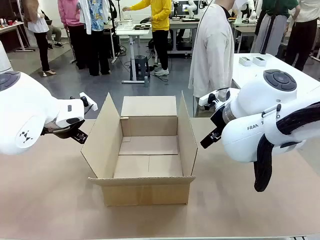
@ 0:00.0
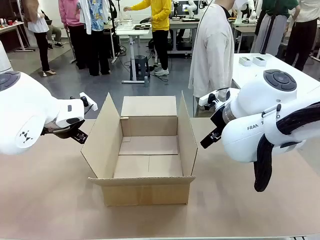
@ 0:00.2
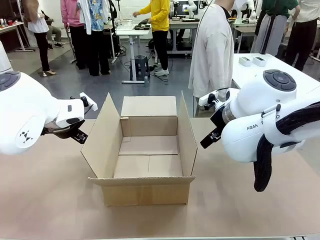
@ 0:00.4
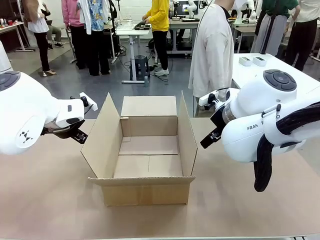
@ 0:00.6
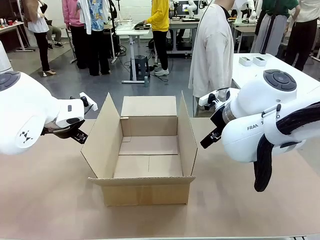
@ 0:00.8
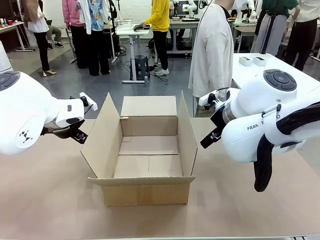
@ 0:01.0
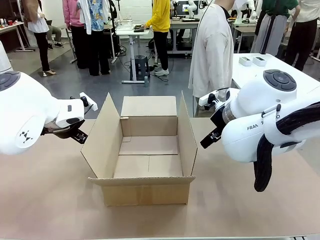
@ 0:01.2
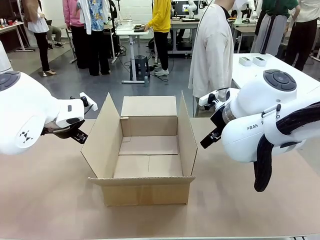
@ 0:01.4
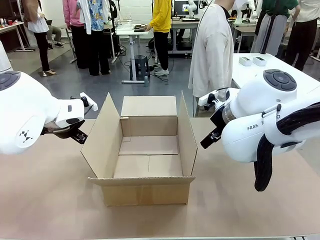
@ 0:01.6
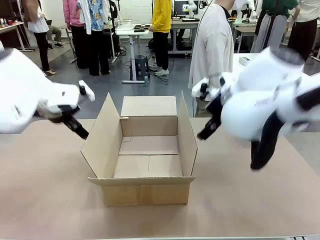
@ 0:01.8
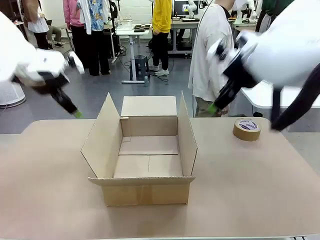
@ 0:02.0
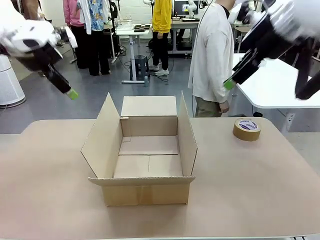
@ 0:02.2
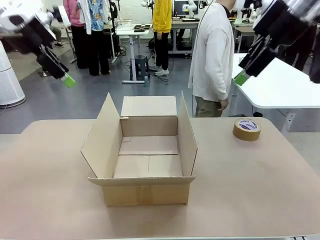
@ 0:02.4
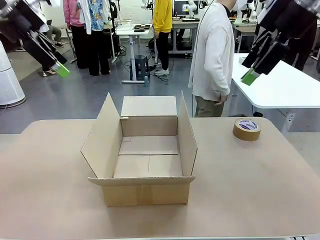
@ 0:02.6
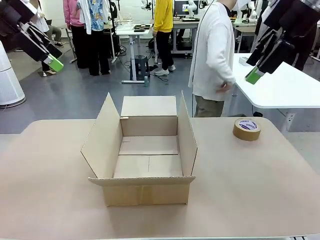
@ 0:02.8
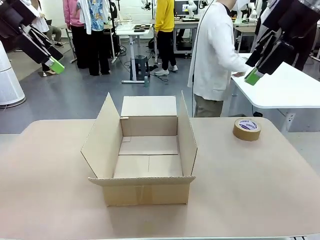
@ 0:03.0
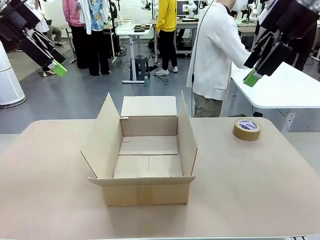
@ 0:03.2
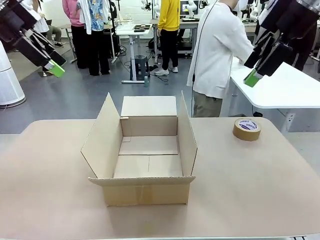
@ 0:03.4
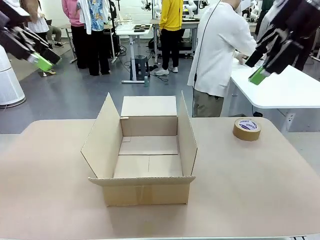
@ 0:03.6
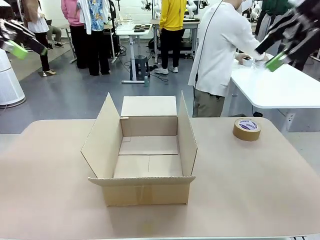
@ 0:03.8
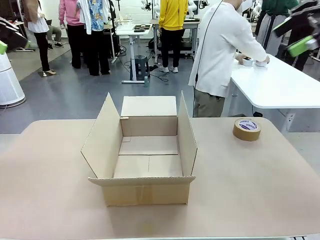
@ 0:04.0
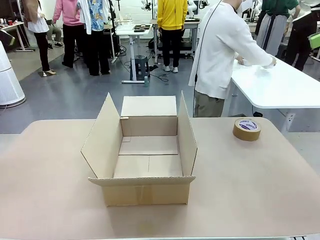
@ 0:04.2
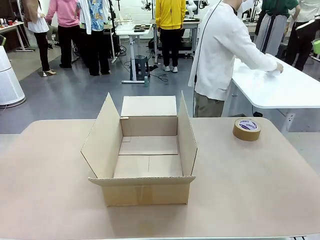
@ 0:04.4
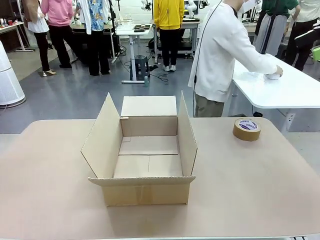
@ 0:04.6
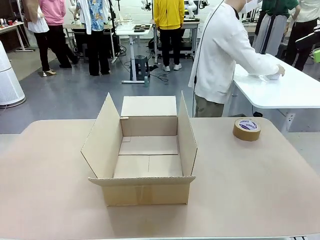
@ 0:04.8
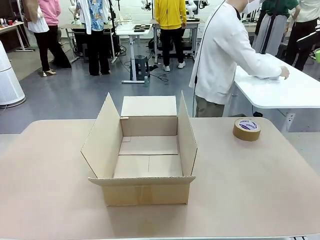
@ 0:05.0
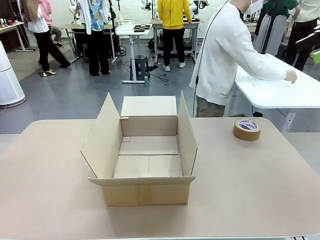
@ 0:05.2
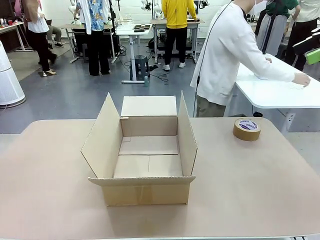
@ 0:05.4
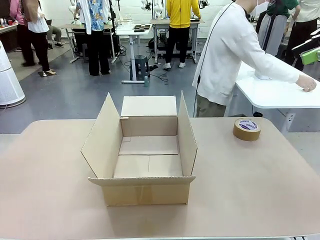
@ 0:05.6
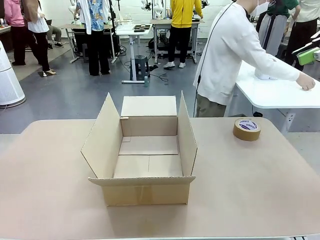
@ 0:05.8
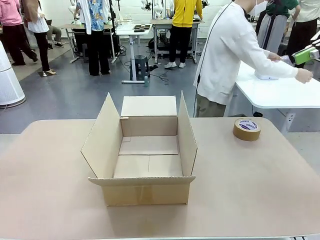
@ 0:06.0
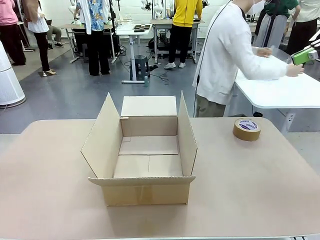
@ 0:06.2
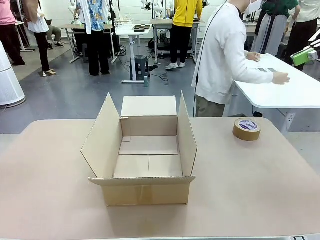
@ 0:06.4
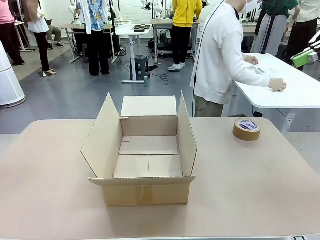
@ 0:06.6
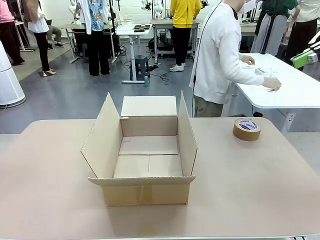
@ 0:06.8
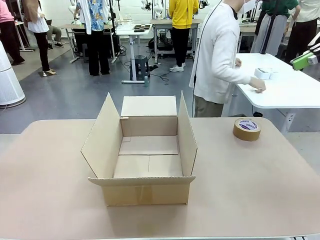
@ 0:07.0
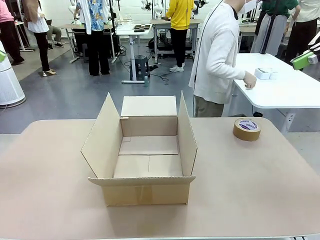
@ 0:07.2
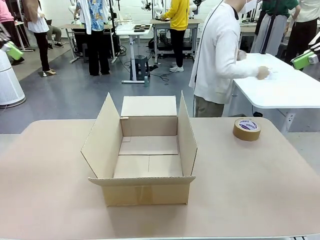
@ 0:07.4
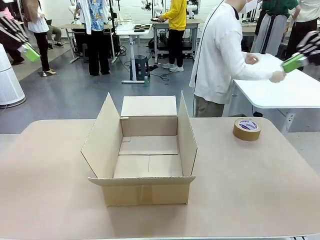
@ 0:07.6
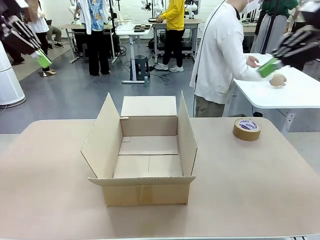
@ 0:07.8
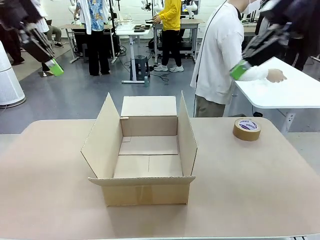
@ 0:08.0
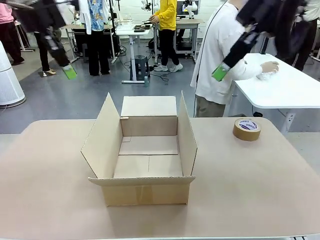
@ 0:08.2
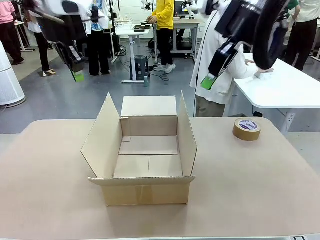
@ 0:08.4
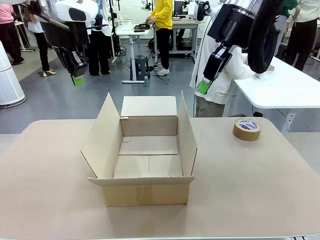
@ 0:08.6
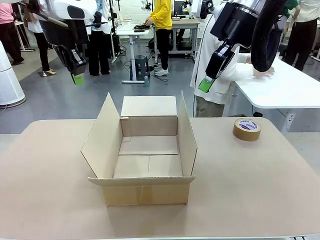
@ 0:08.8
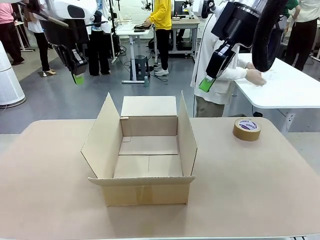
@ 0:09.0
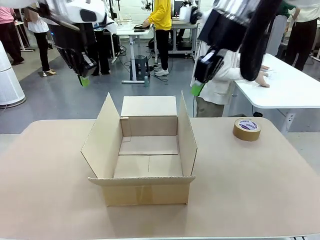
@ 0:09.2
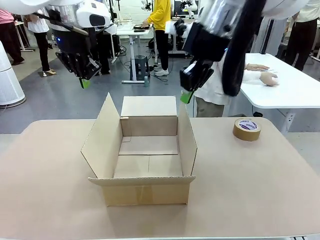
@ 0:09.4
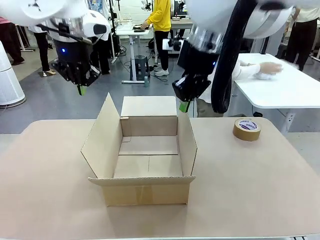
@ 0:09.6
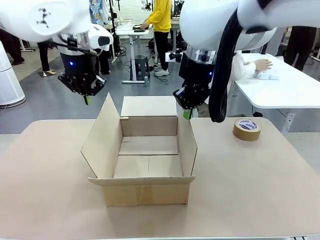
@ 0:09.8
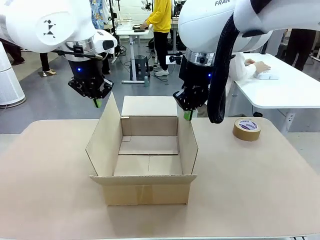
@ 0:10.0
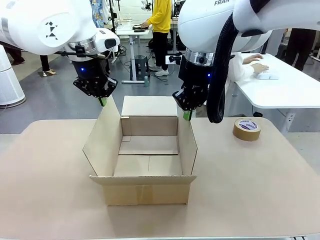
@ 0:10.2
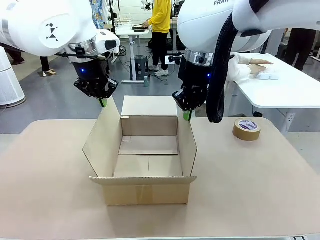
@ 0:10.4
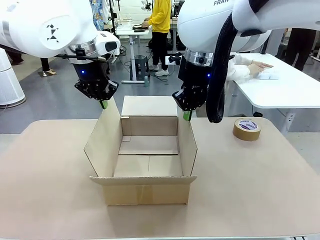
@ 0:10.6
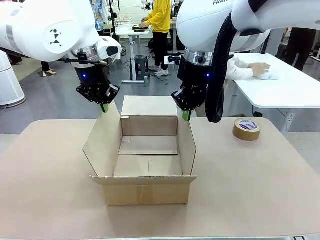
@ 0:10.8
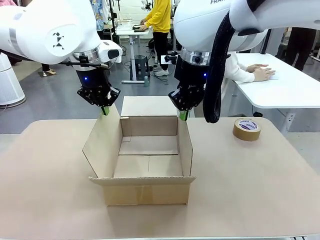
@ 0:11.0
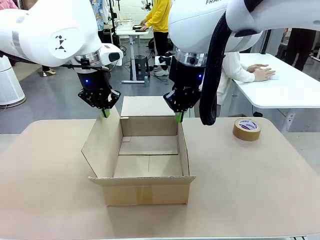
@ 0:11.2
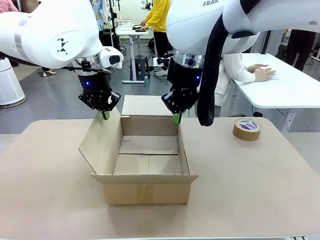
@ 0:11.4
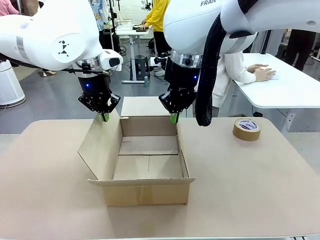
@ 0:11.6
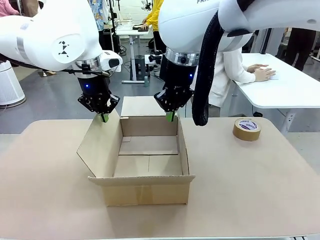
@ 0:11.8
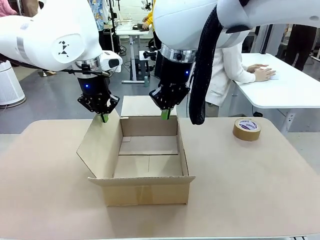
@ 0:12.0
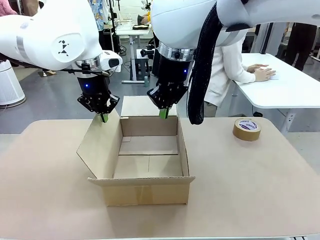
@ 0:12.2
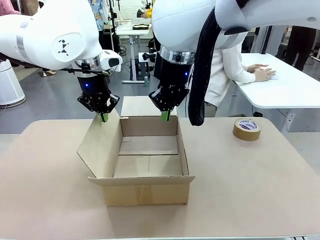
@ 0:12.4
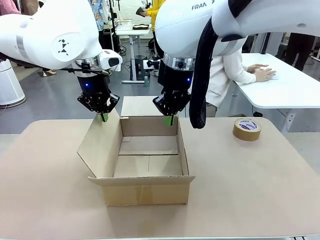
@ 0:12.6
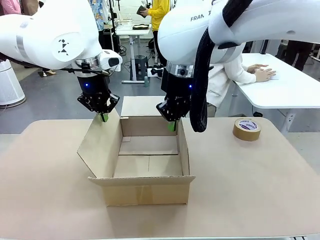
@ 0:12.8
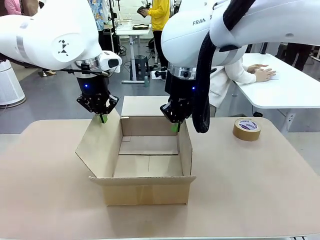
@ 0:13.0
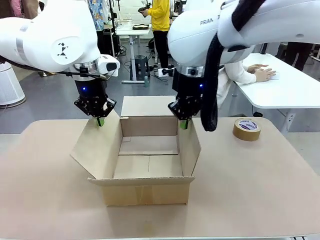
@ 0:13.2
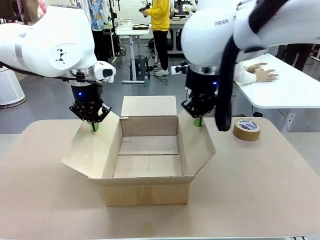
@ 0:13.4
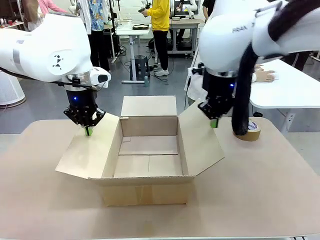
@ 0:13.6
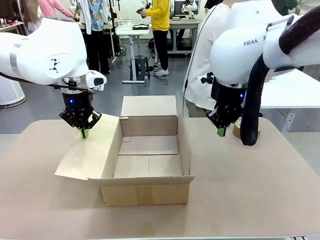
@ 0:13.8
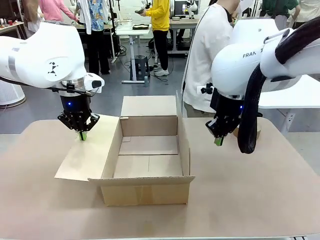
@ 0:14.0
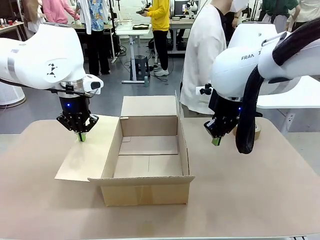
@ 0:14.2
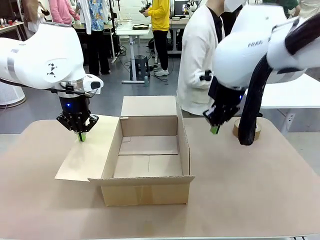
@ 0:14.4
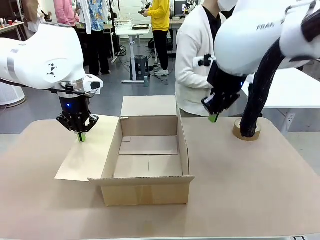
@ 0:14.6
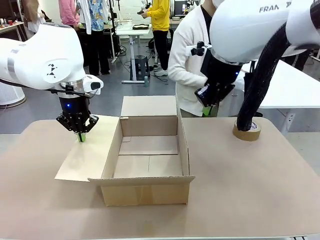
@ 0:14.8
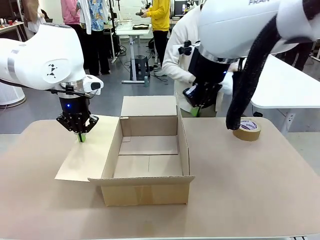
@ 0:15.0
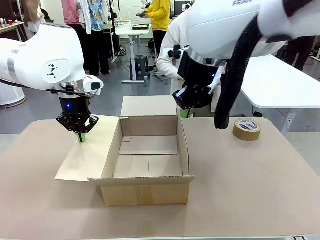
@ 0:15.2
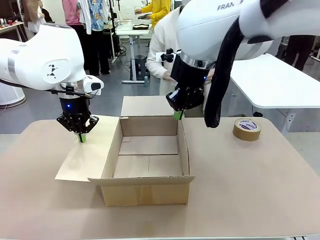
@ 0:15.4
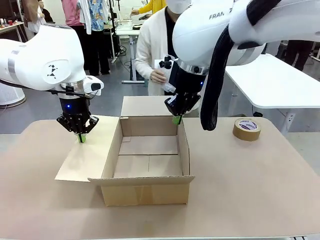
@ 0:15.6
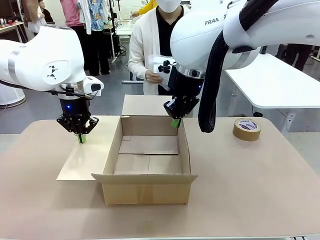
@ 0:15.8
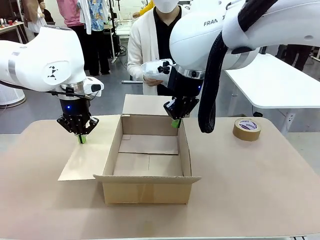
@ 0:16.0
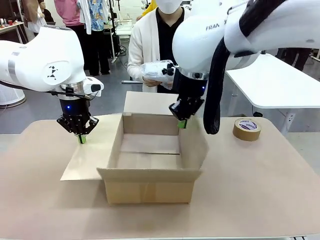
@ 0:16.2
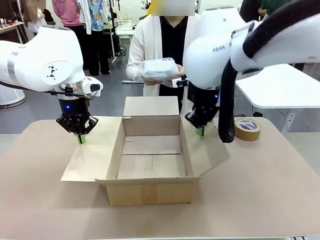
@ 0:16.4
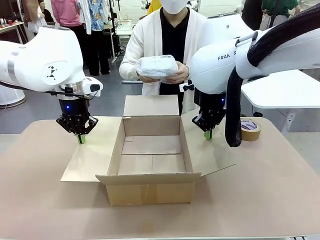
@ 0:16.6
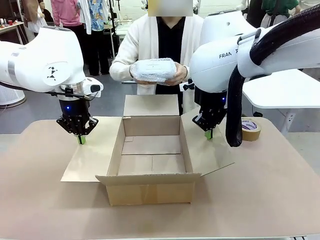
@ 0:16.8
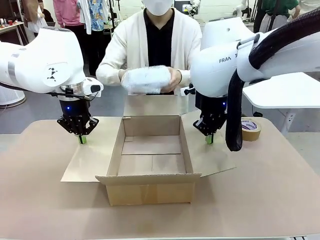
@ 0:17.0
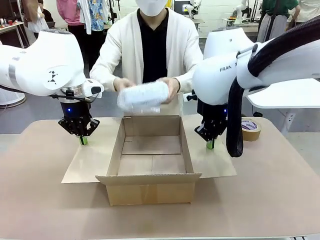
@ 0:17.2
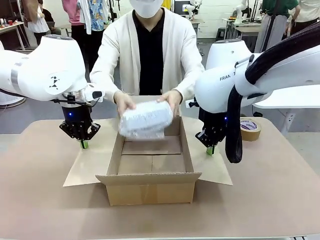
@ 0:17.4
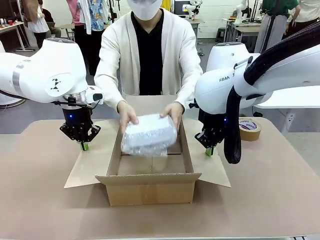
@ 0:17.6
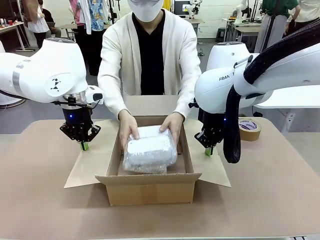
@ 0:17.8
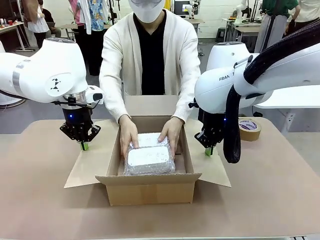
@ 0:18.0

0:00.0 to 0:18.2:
Task: Wrap the clocks to prevent damage.
Robot: Open the side flaps of the Package Box.
Person: Wrap the two Digital clocks with Bubble Wrap. Place the wrapped Digital clocks inside the Package Box.

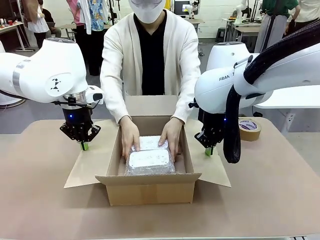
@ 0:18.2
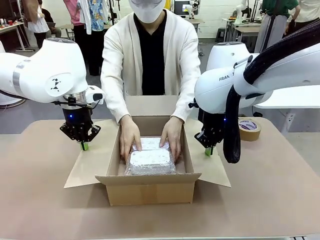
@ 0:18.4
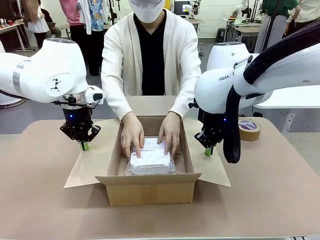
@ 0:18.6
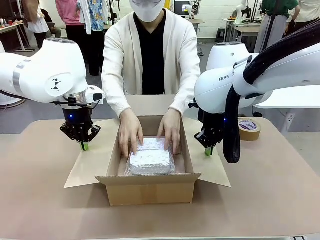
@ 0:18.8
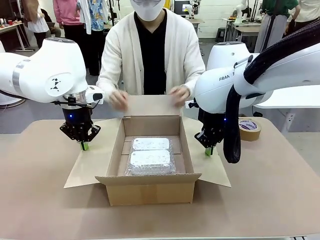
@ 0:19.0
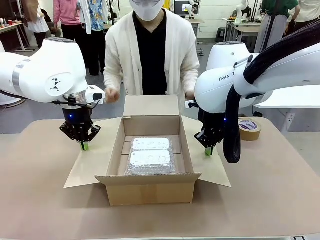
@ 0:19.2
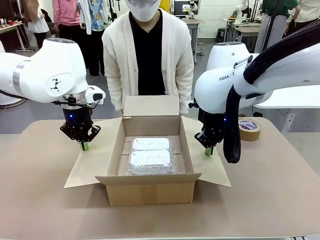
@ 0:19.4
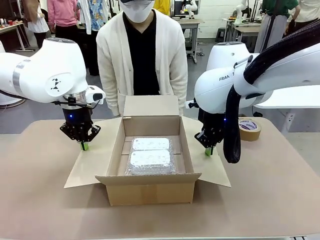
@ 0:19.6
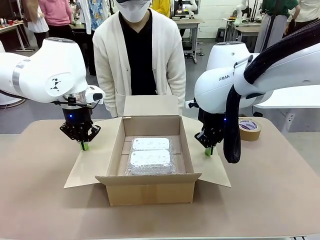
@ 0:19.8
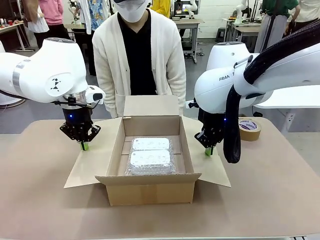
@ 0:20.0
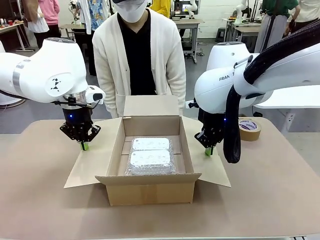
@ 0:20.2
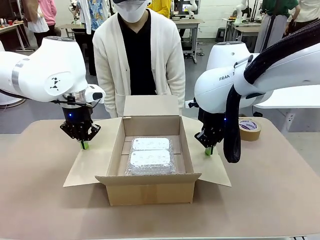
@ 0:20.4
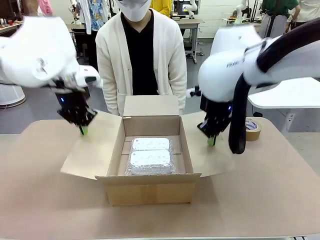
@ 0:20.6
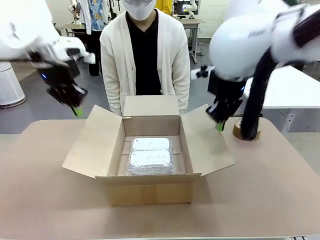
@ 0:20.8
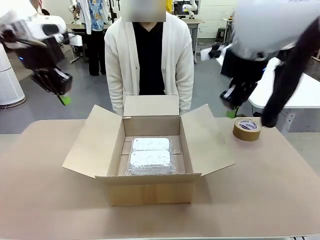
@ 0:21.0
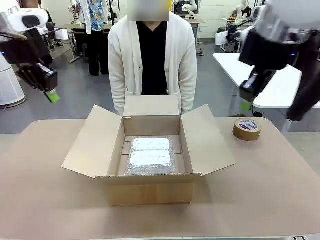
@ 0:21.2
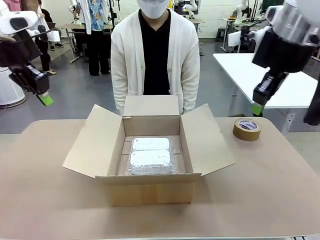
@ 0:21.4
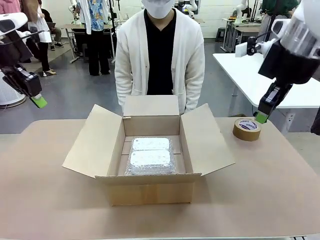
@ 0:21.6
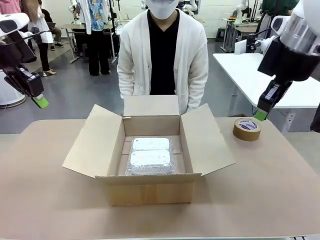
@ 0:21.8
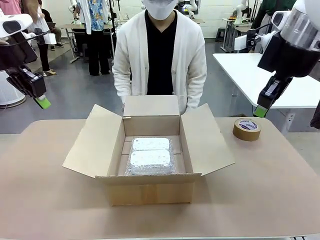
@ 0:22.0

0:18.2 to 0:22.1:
Robot: Once the human has placed the objects inside and stepped back, release both hands from the side flaps of the Package Box.
